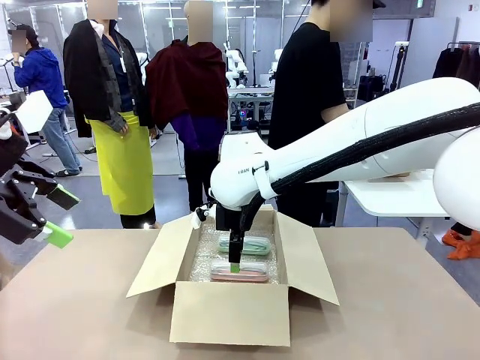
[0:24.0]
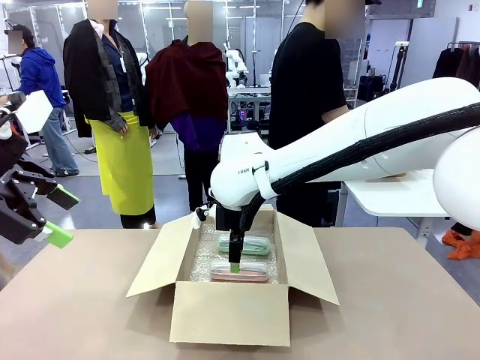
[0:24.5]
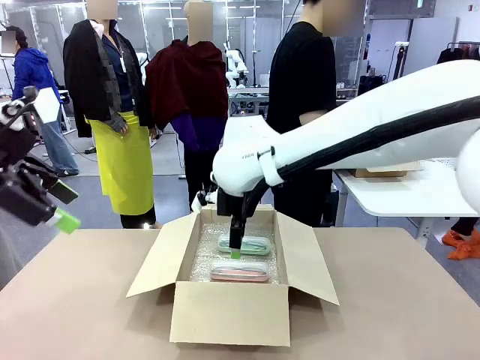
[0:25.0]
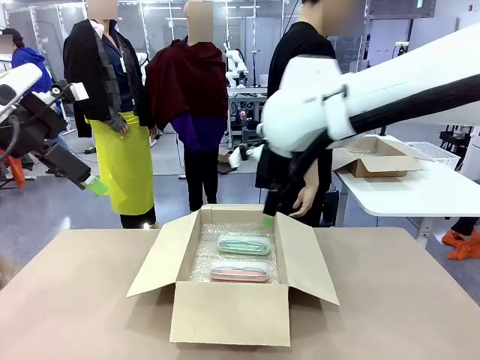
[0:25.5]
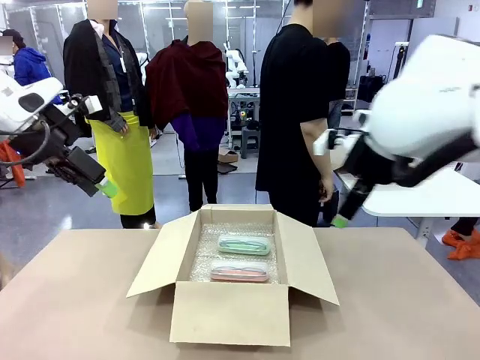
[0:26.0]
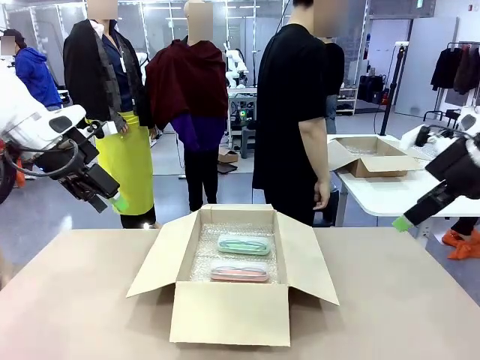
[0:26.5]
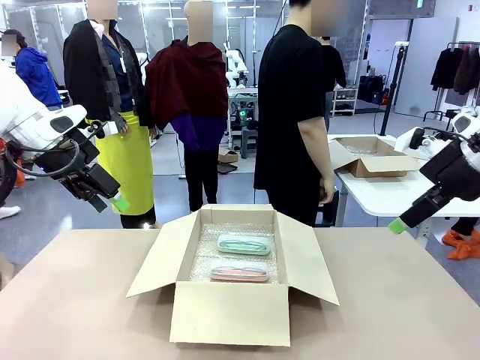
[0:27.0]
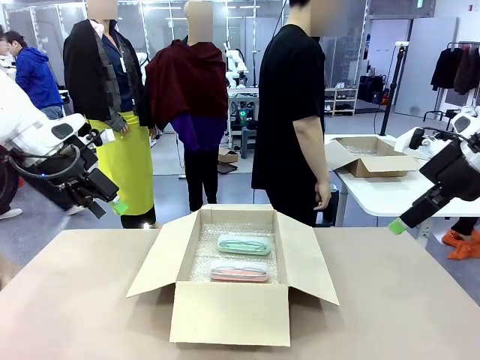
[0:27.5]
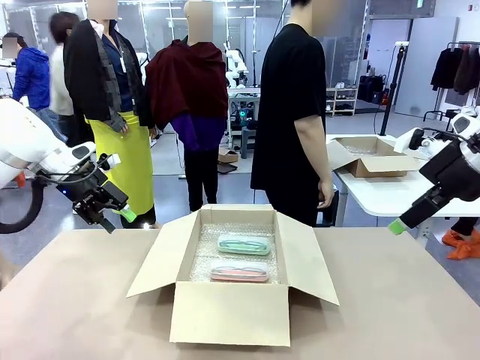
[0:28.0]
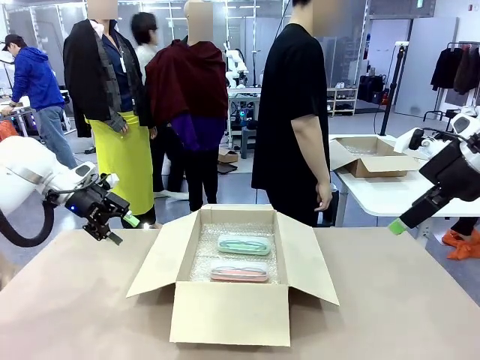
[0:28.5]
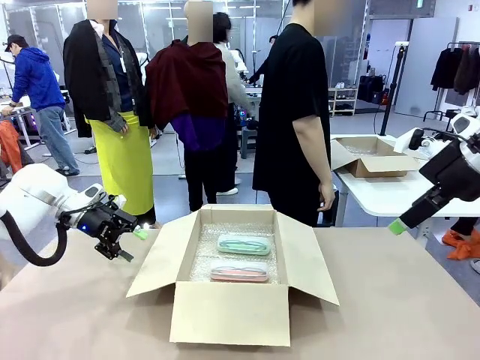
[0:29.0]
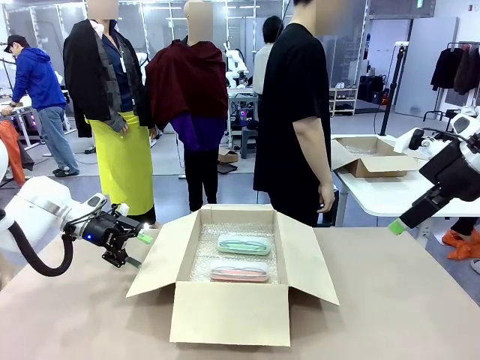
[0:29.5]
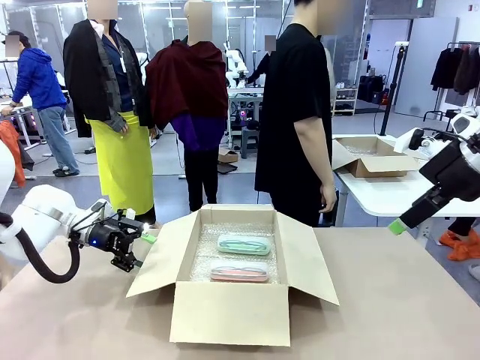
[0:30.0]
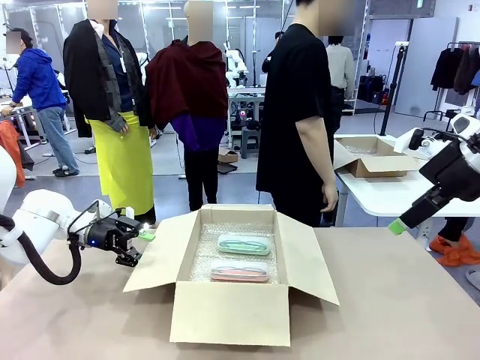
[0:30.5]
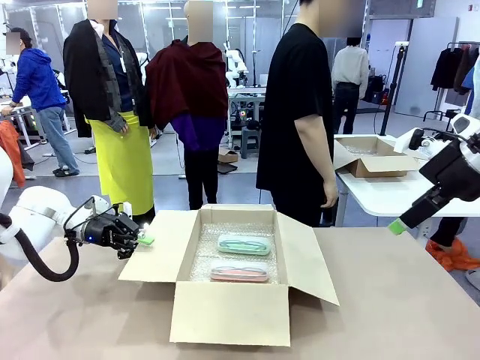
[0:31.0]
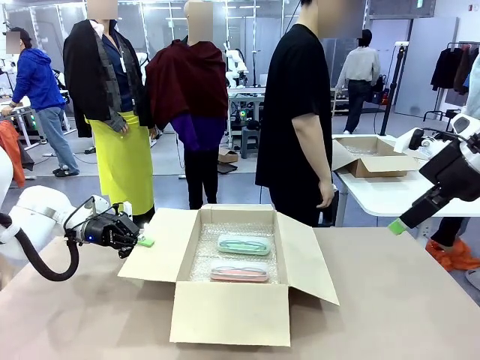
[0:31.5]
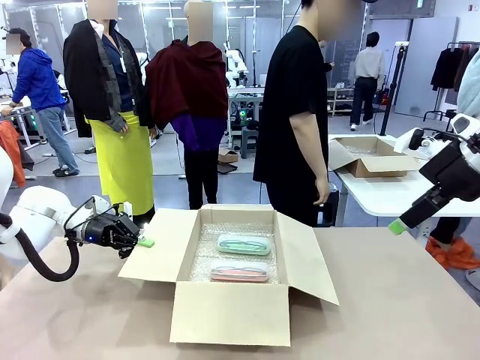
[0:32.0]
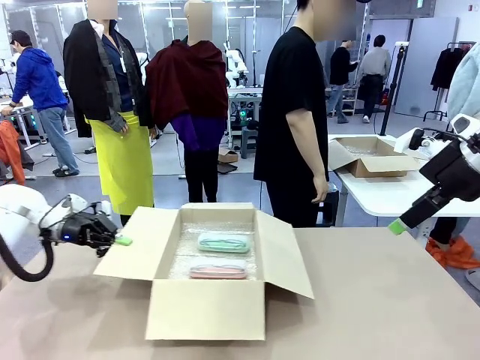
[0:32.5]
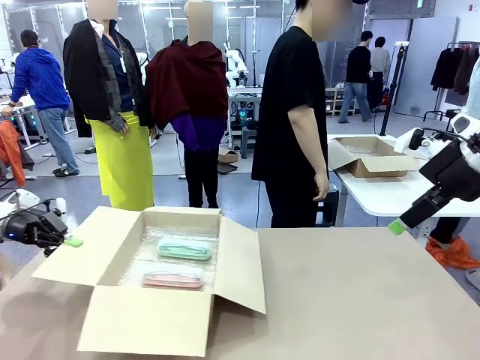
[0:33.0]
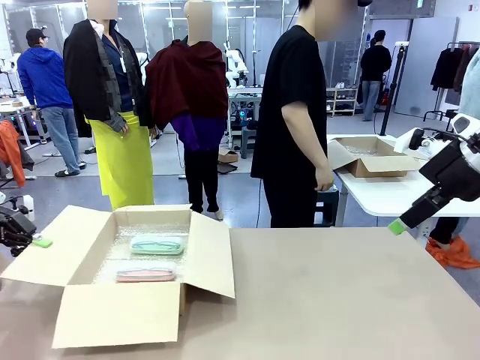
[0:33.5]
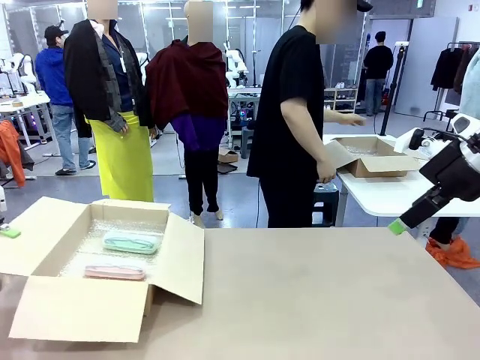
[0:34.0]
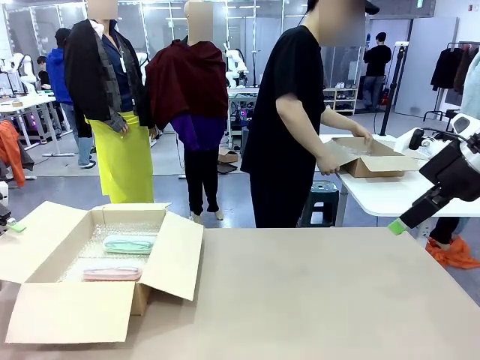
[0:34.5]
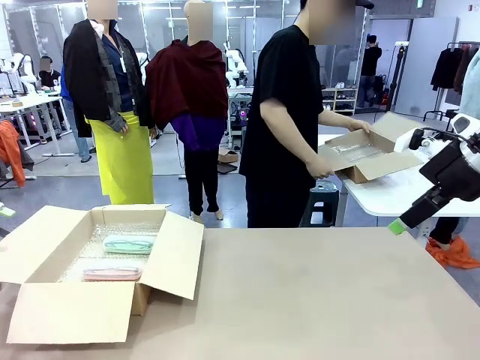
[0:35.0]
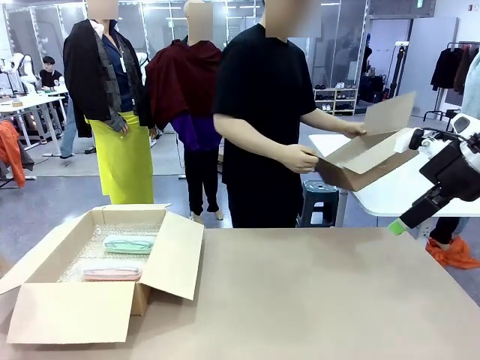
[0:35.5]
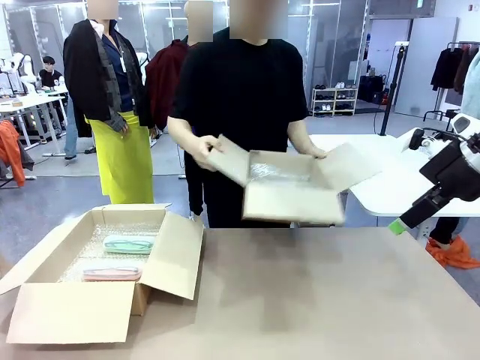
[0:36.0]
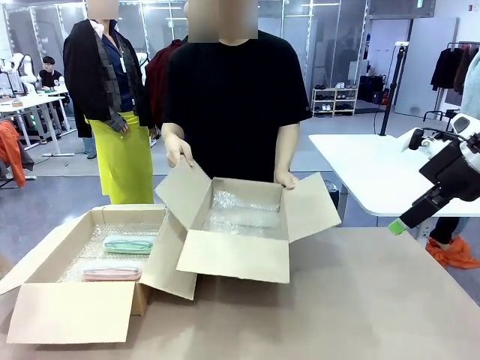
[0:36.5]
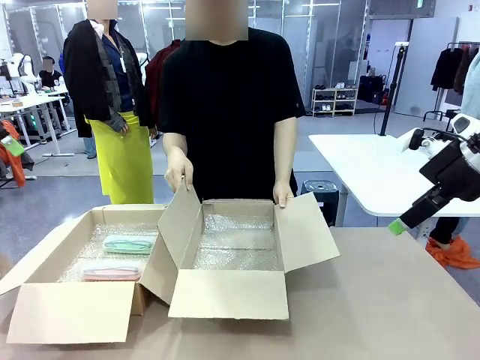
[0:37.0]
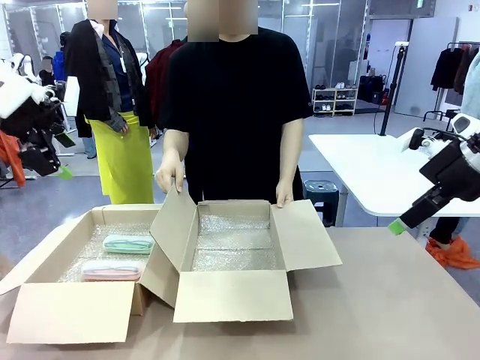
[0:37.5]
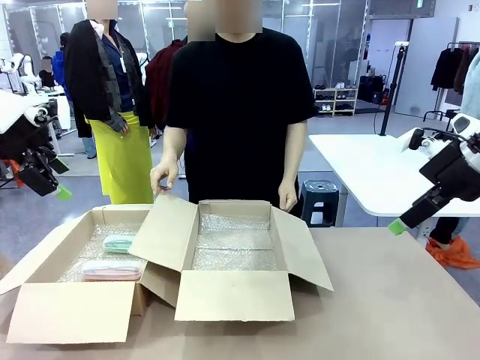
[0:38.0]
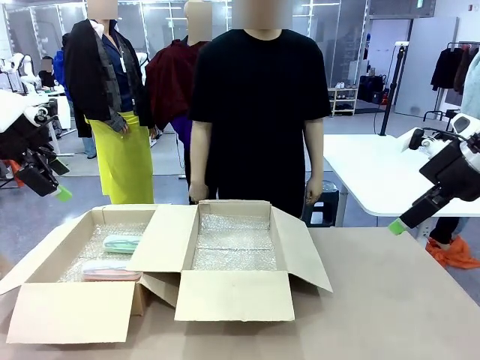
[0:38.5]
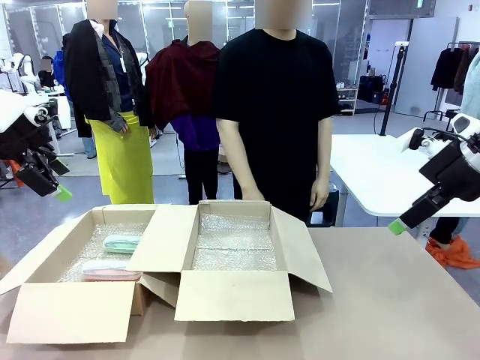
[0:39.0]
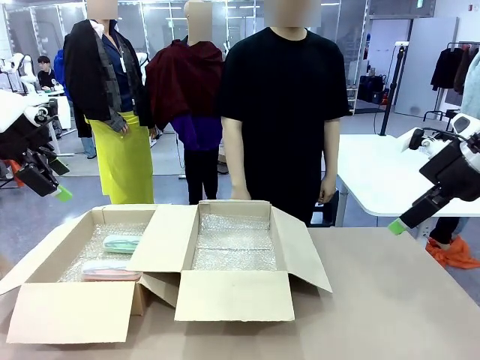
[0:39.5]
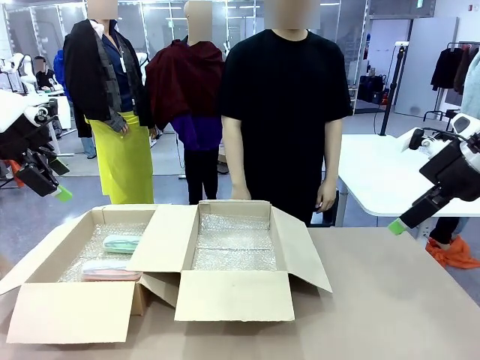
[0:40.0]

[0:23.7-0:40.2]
Task: Pack the glasses set securely to prepare it for shipping.
Robot: Position the Package Box on the left side of the table.
Person: Position the empty Package Box in the middle of the robot's table.

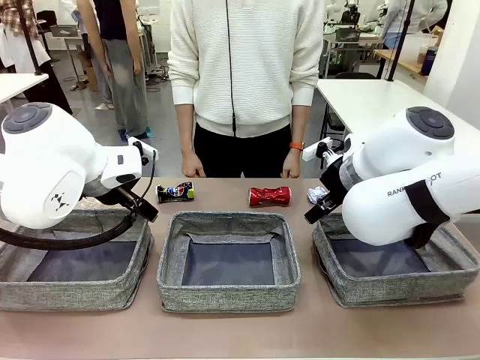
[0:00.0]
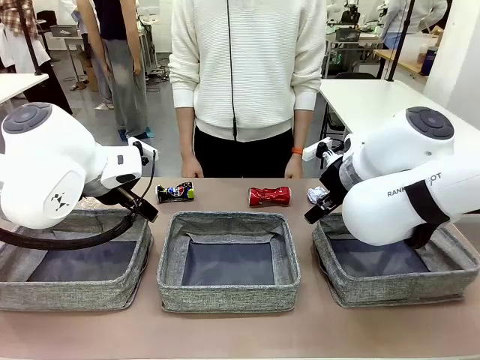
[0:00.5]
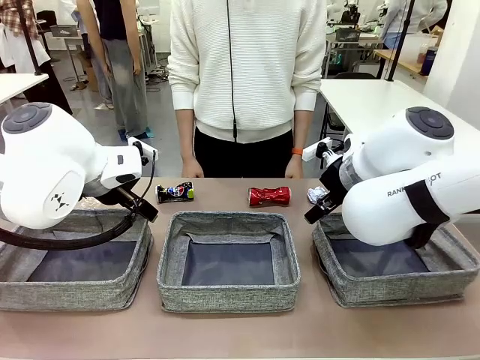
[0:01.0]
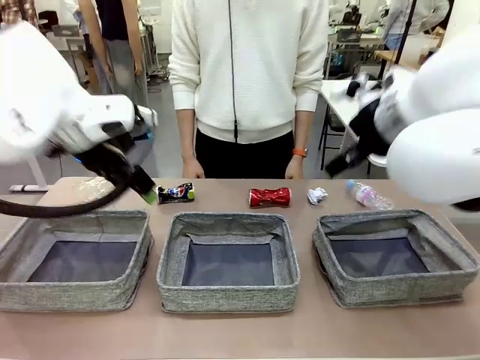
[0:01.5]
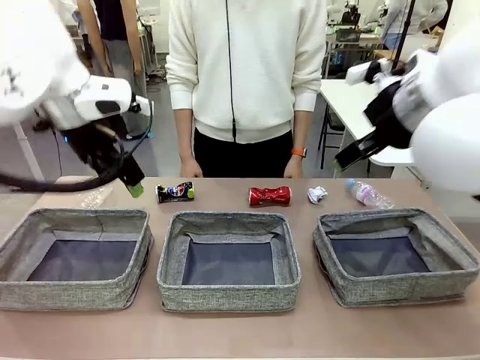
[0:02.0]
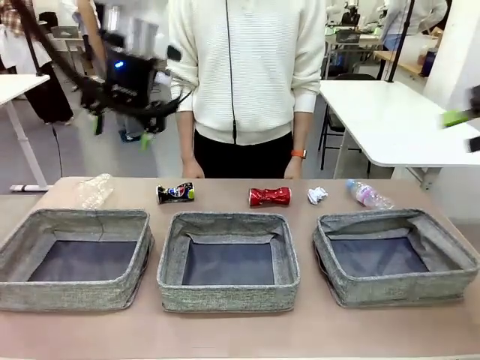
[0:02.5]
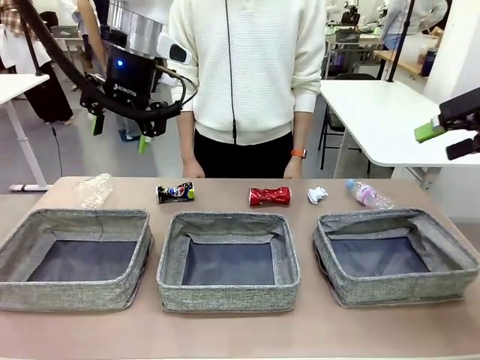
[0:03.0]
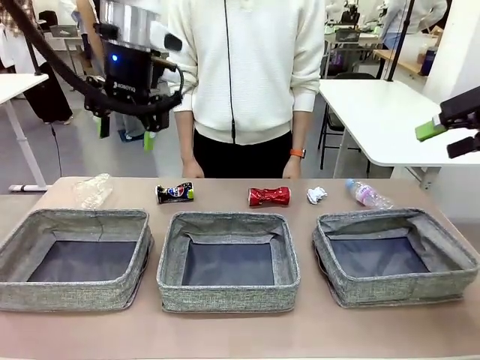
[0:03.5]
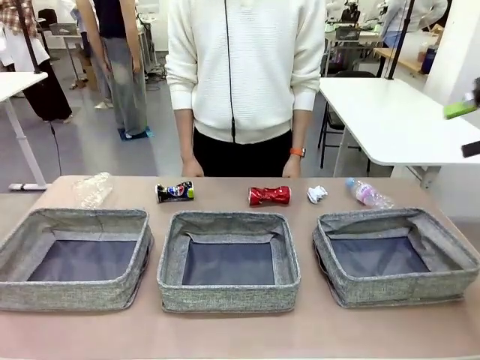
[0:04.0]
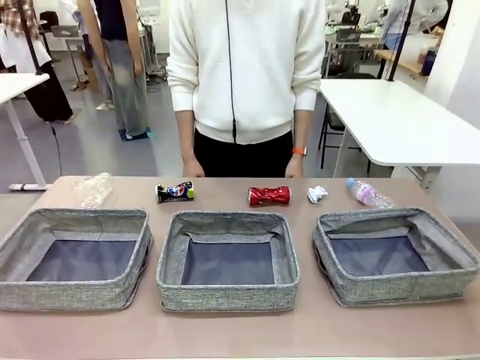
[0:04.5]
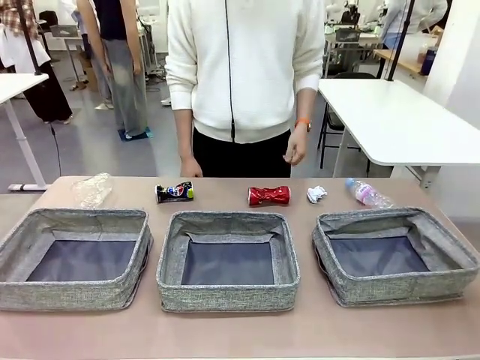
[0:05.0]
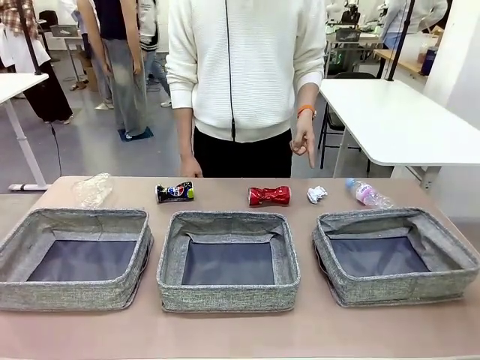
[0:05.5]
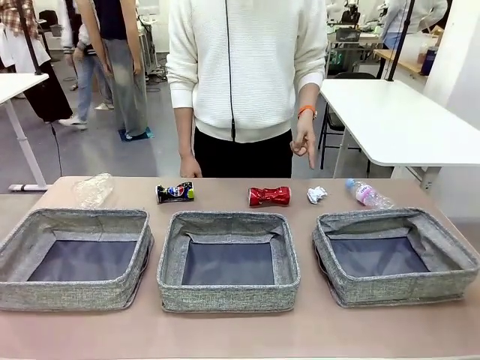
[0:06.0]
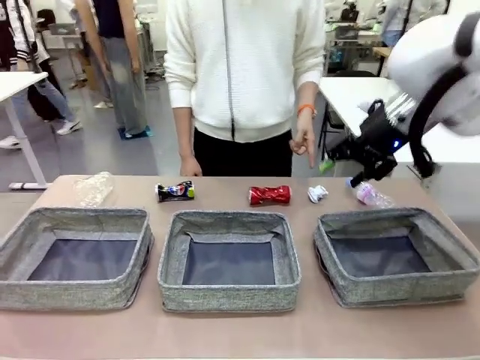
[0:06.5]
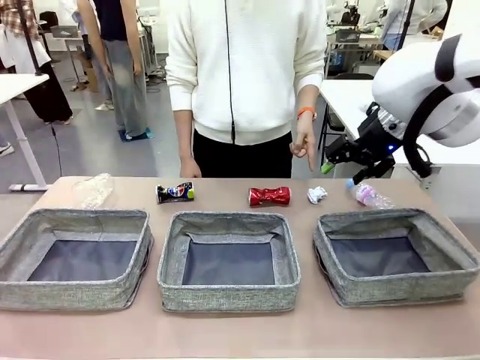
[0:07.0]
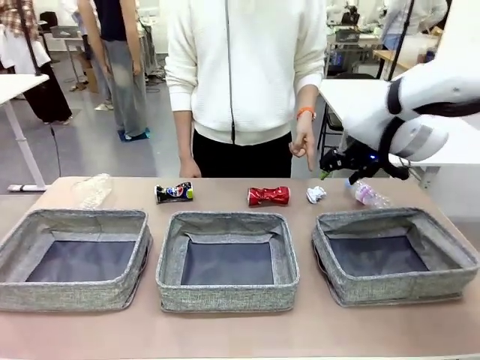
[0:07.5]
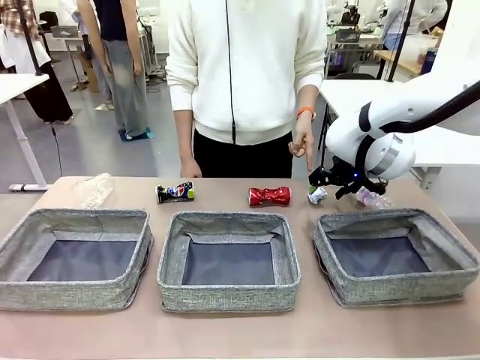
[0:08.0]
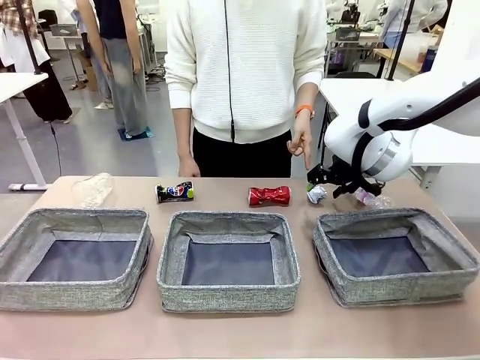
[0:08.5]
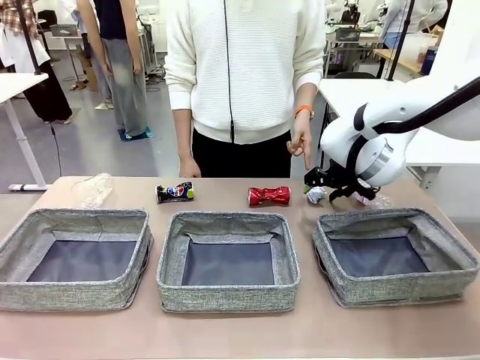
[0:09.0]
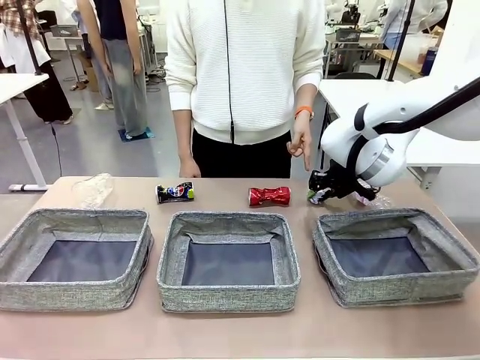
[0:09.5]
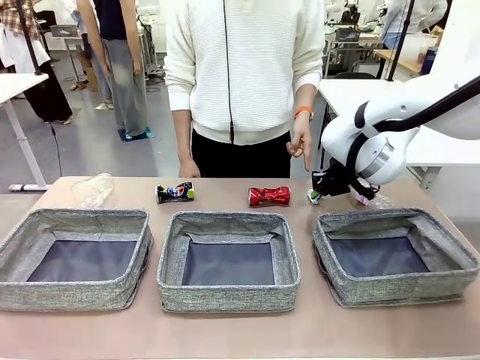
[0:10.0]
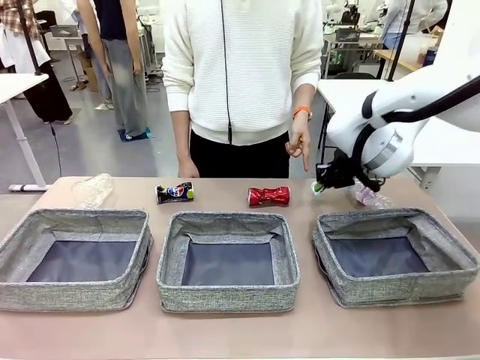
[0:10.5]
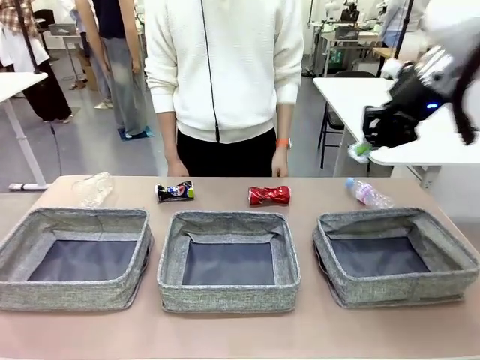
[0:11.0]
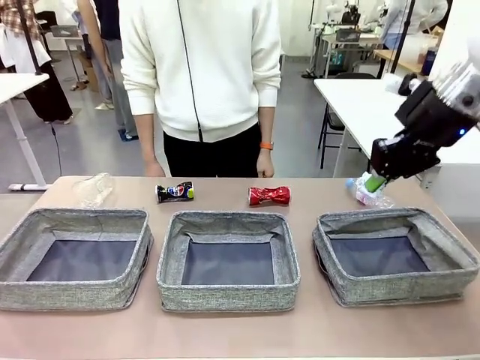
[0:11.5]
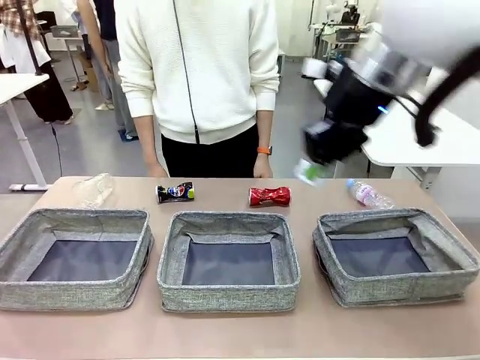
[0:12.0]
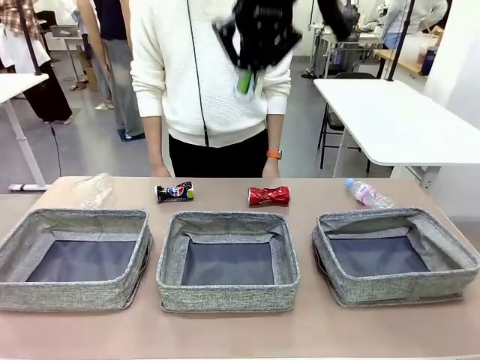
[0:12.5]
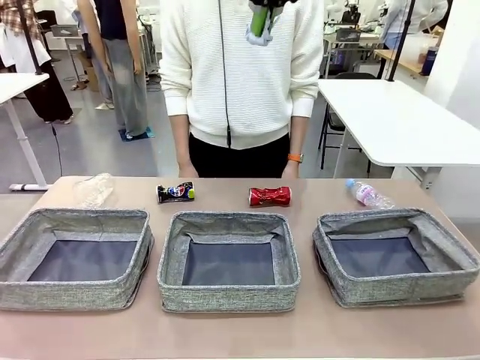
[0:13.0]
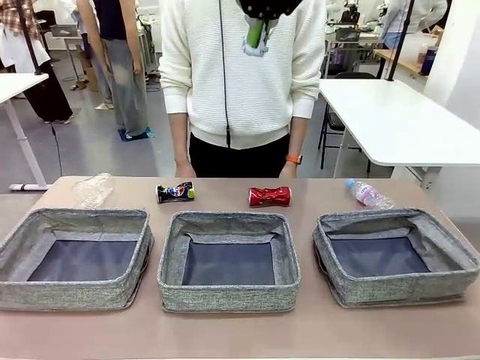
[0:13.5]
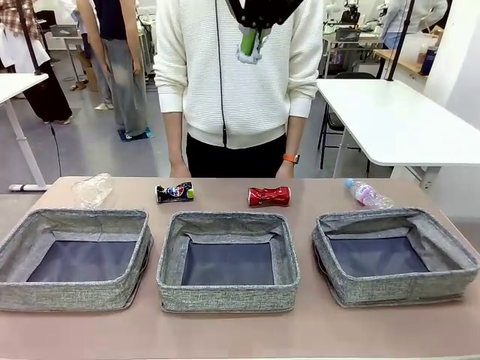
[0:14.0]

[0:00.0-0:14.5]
Task: Sort the waste into the appropriate baskets.
Robot: Pick up the waste item pointed out by the person.
Person: Points to one piece of trash on the table.
